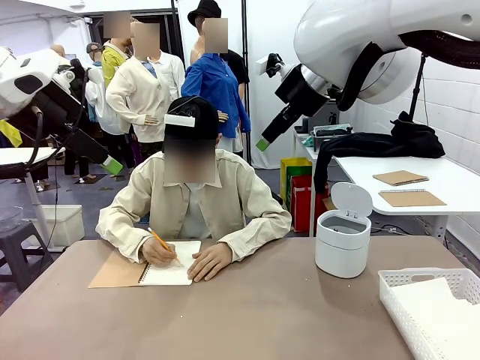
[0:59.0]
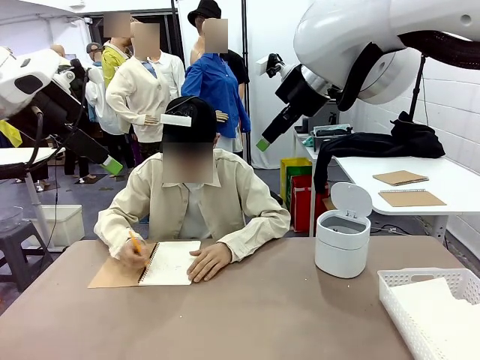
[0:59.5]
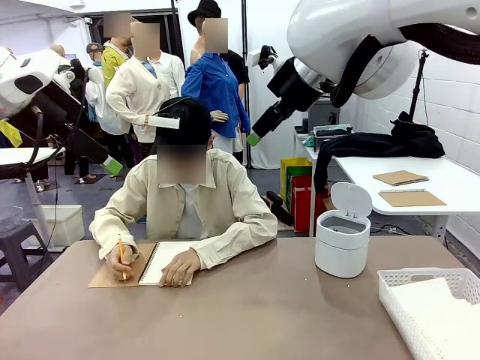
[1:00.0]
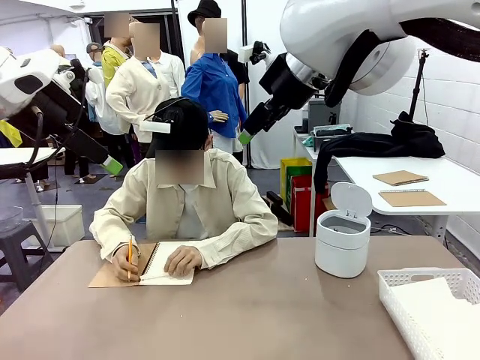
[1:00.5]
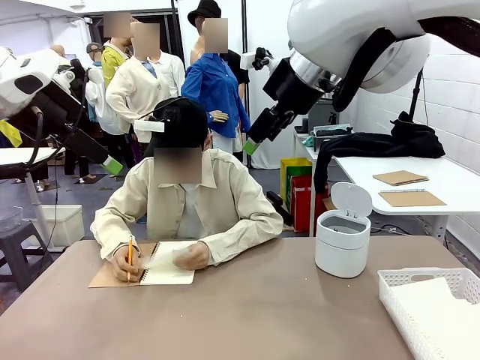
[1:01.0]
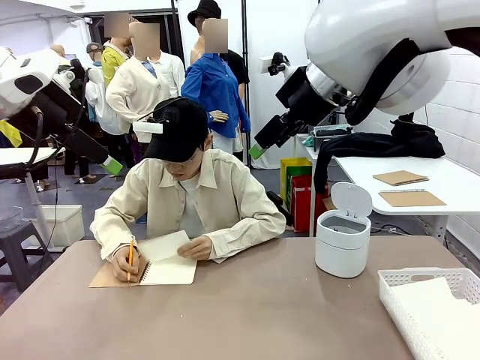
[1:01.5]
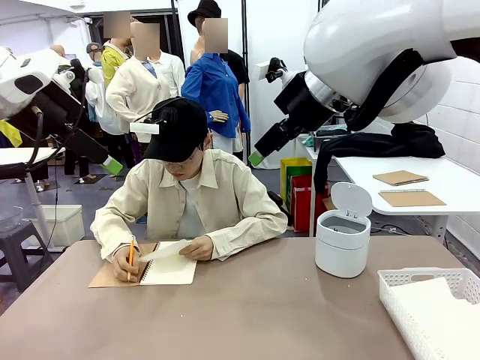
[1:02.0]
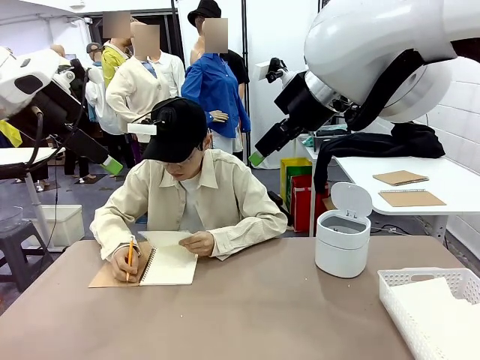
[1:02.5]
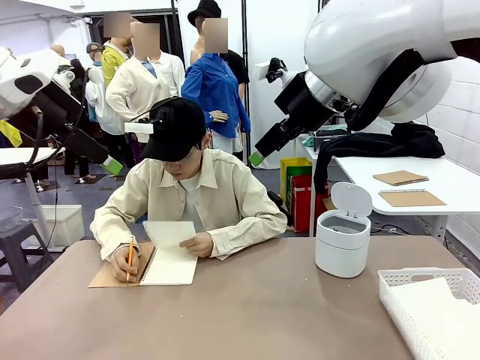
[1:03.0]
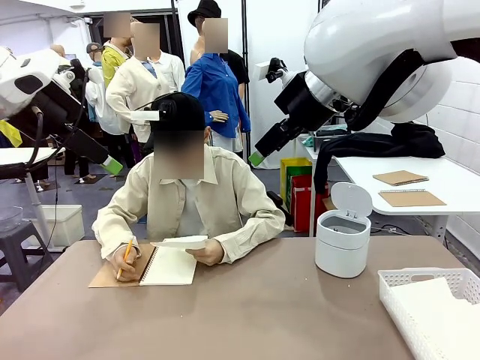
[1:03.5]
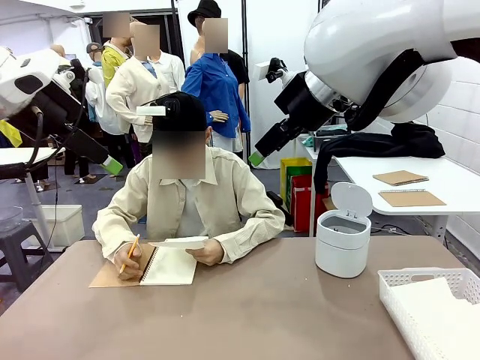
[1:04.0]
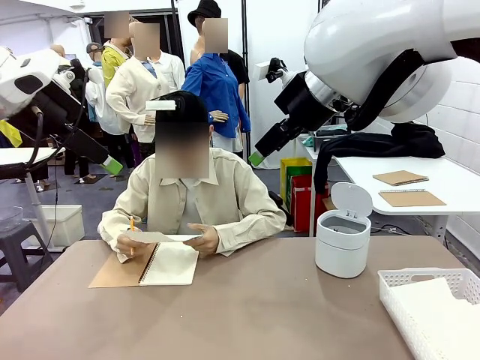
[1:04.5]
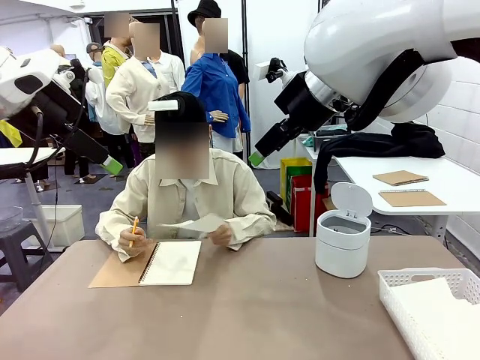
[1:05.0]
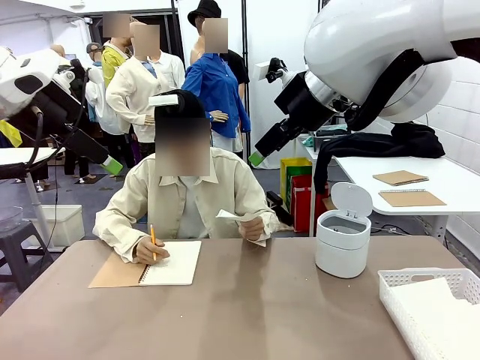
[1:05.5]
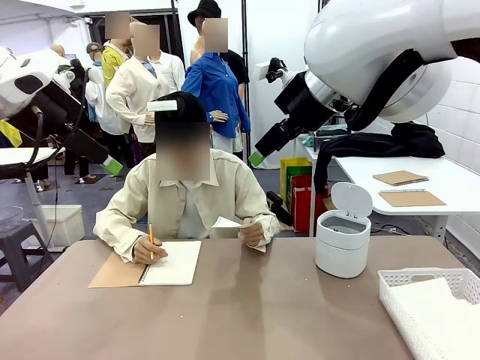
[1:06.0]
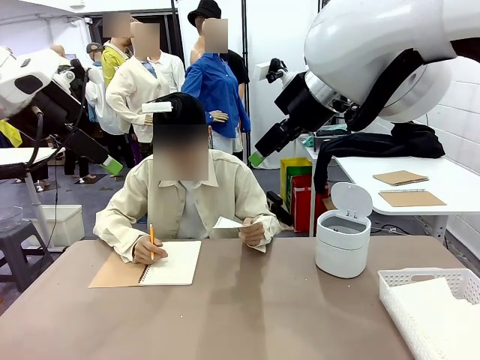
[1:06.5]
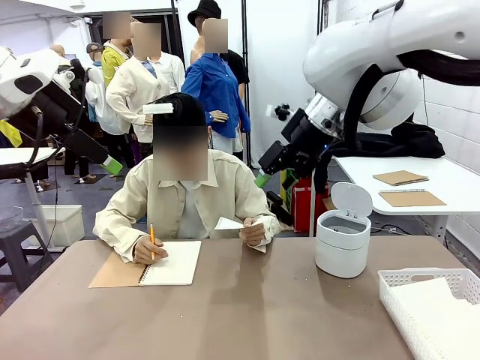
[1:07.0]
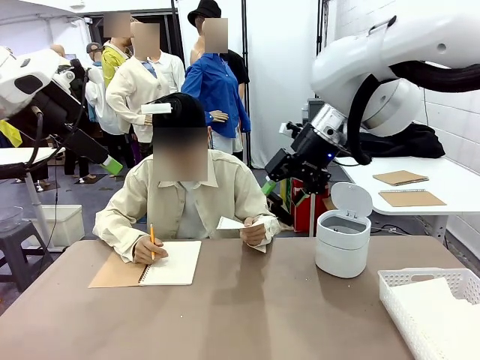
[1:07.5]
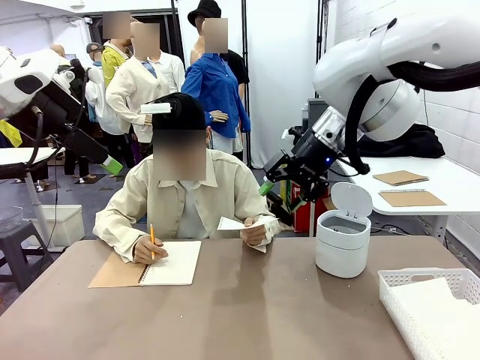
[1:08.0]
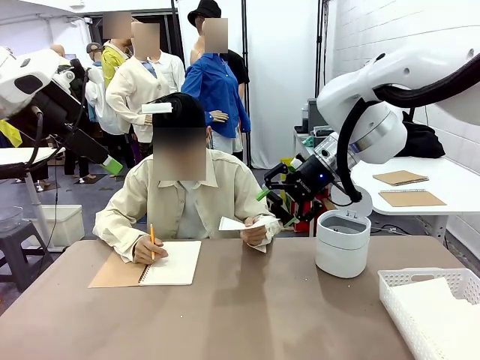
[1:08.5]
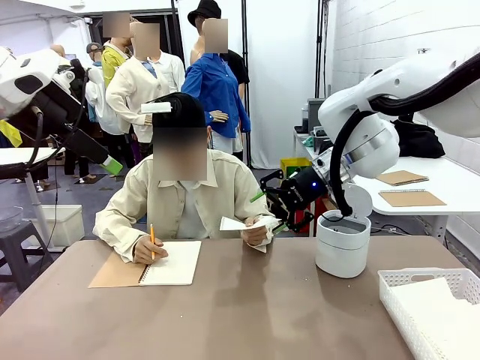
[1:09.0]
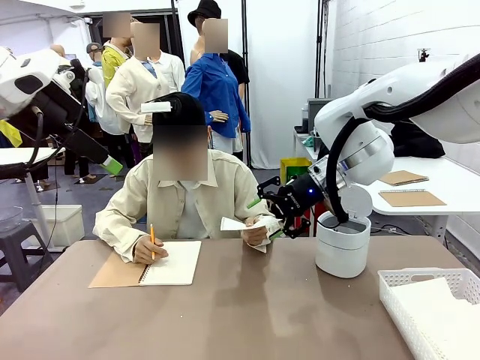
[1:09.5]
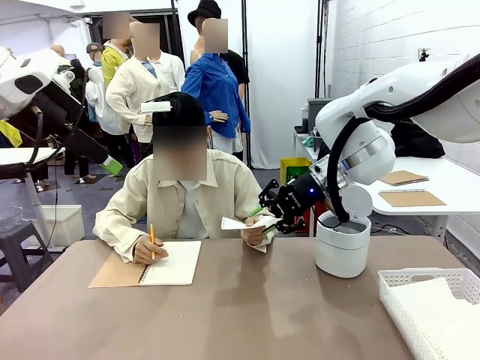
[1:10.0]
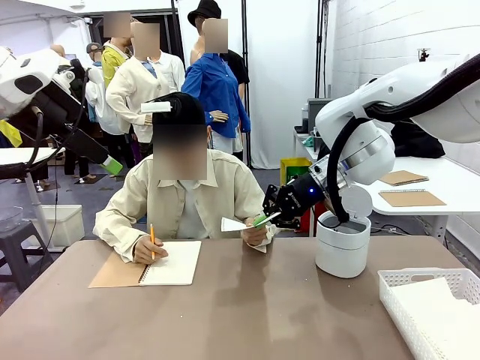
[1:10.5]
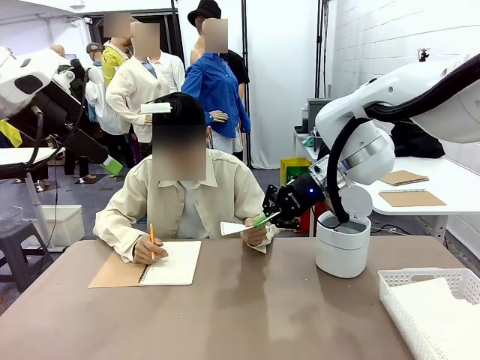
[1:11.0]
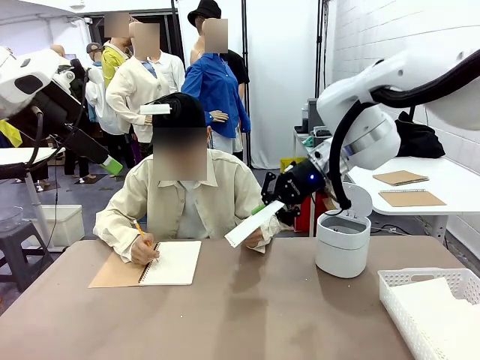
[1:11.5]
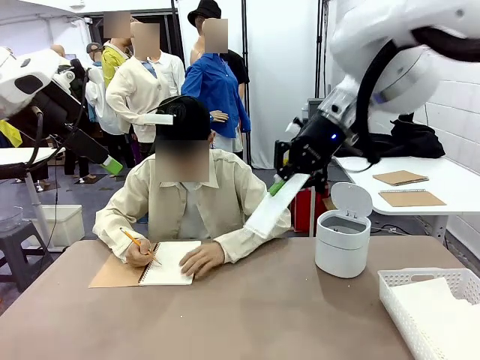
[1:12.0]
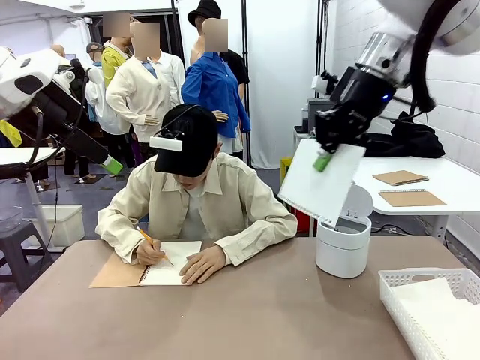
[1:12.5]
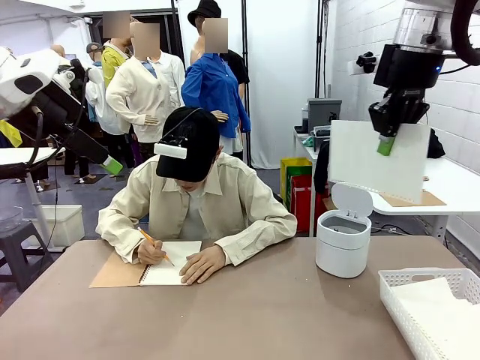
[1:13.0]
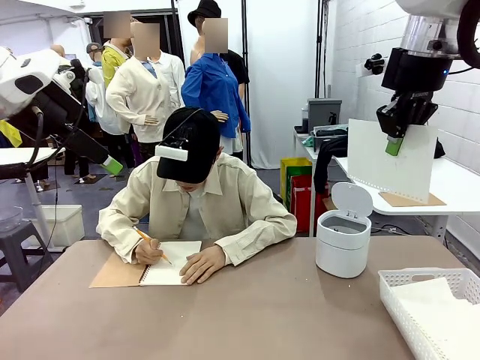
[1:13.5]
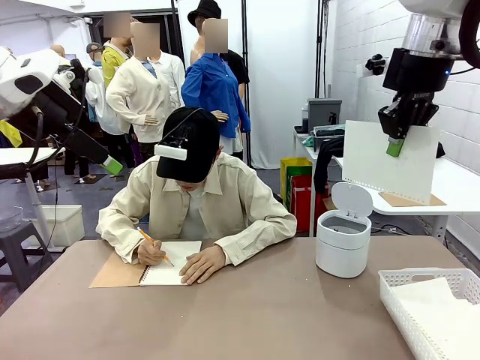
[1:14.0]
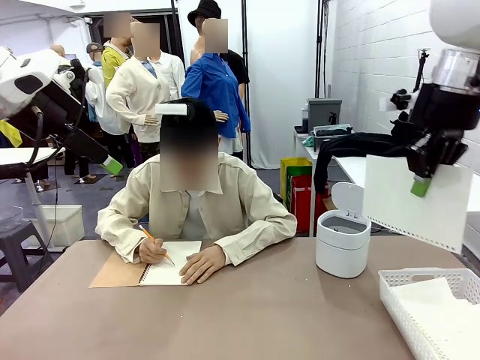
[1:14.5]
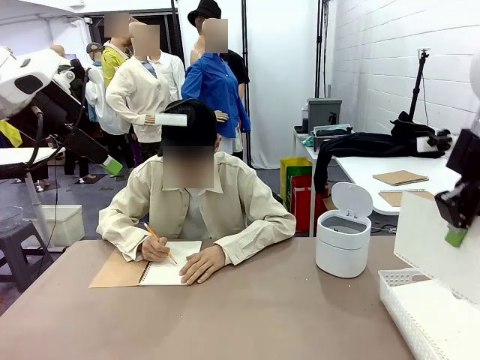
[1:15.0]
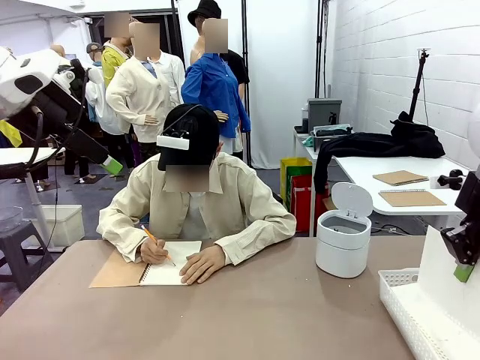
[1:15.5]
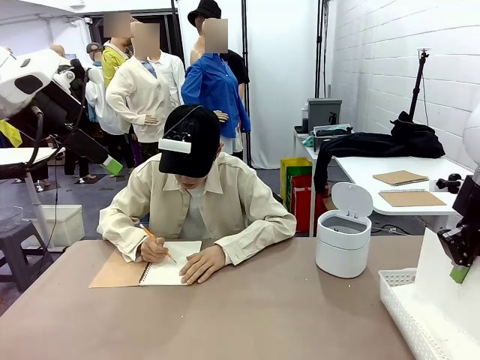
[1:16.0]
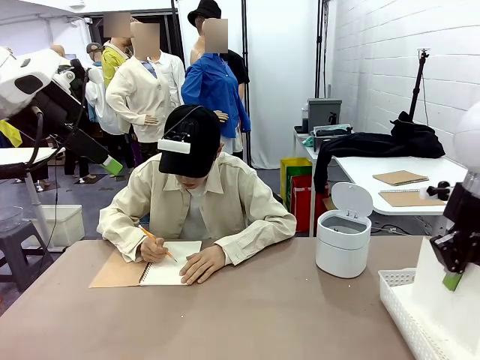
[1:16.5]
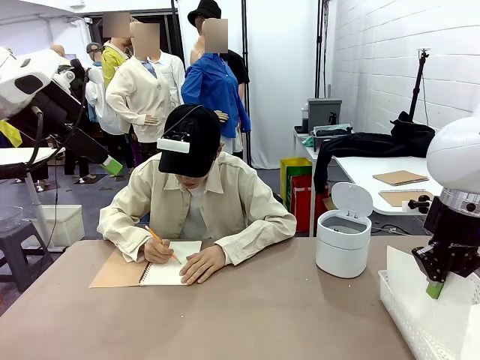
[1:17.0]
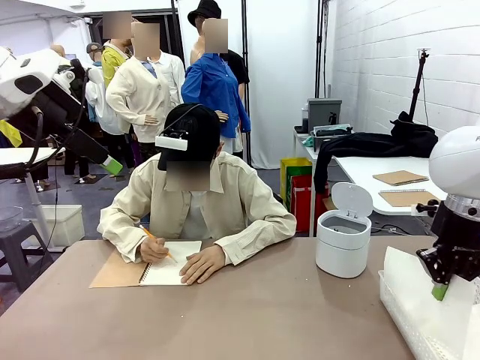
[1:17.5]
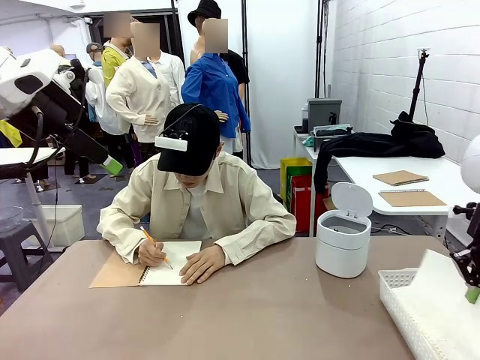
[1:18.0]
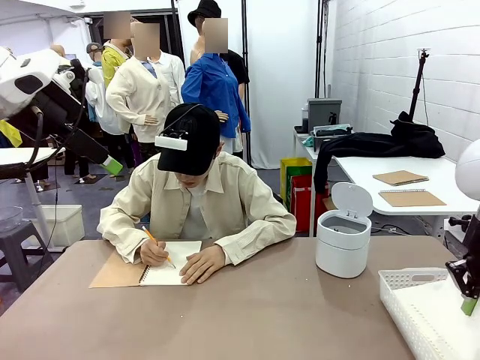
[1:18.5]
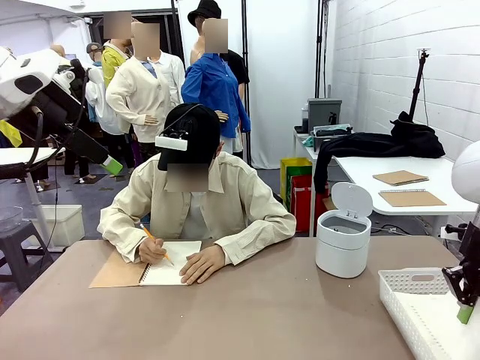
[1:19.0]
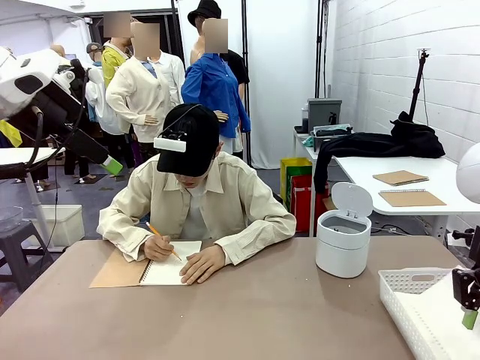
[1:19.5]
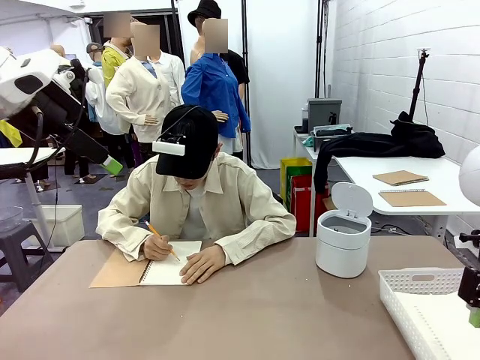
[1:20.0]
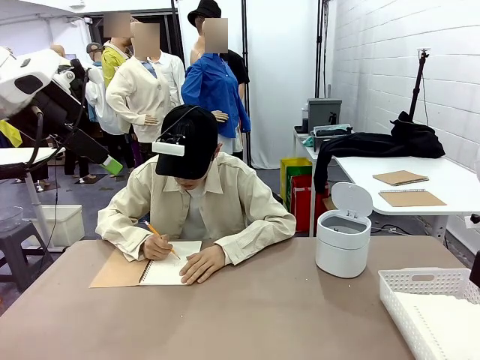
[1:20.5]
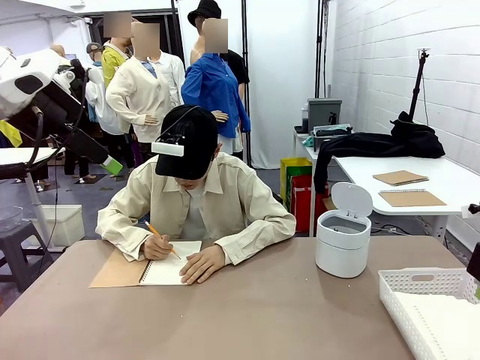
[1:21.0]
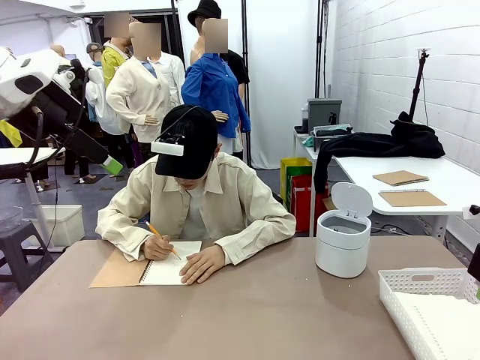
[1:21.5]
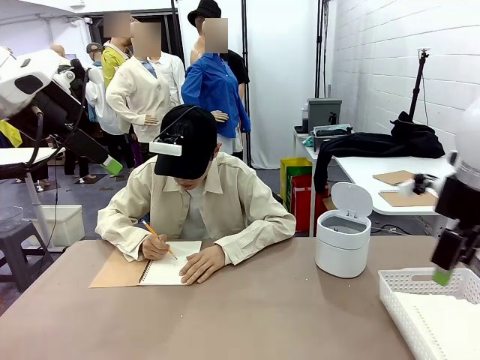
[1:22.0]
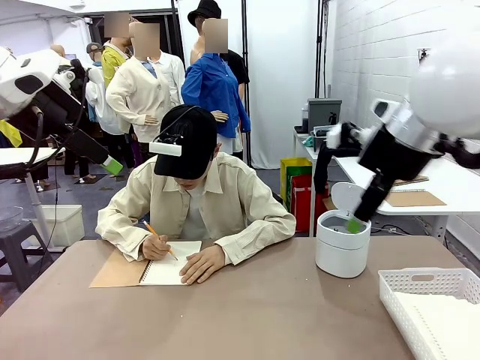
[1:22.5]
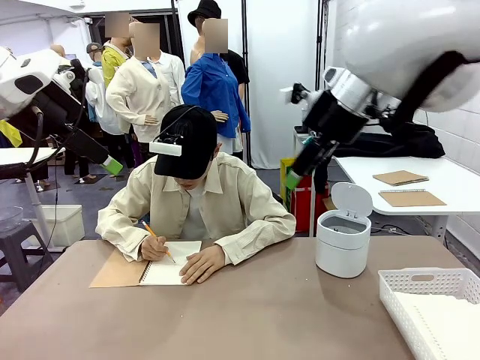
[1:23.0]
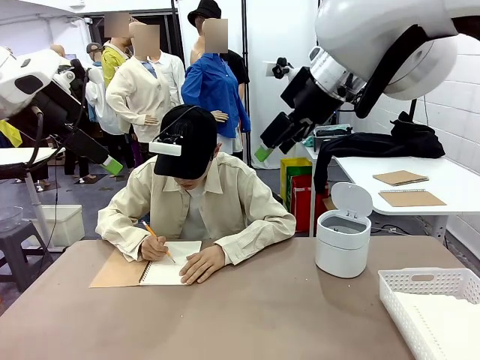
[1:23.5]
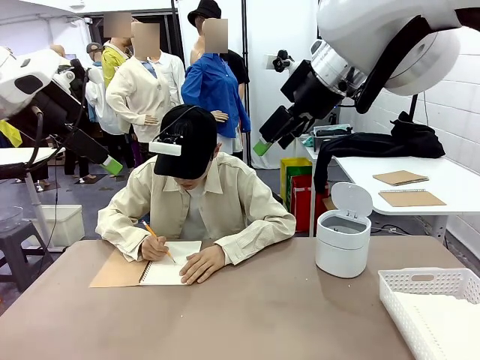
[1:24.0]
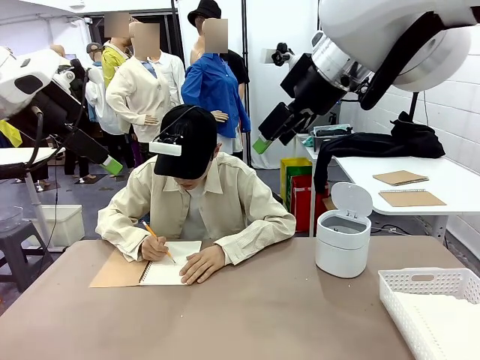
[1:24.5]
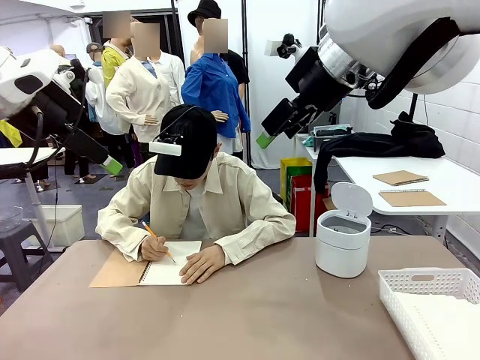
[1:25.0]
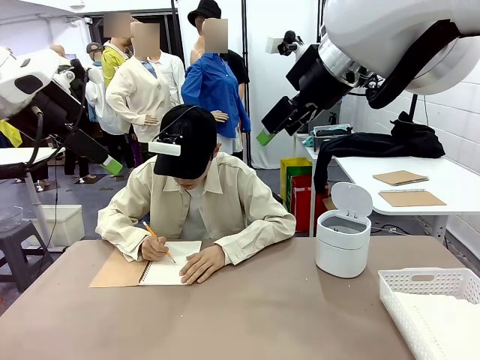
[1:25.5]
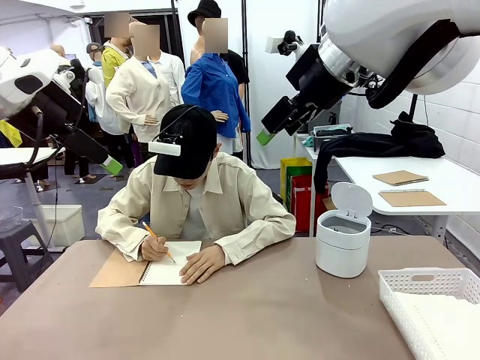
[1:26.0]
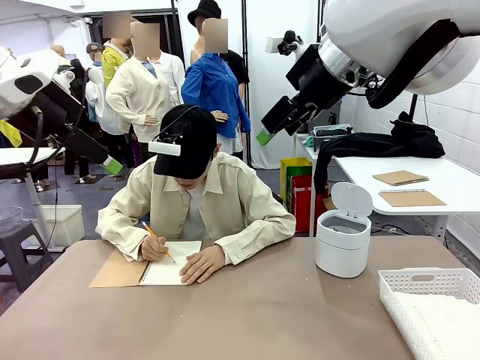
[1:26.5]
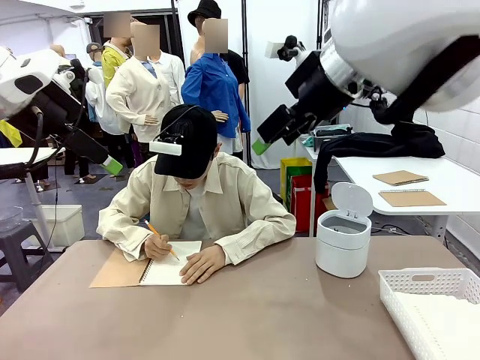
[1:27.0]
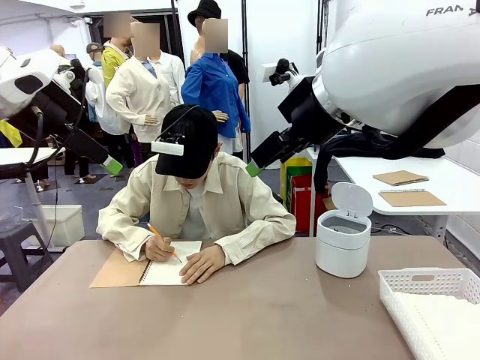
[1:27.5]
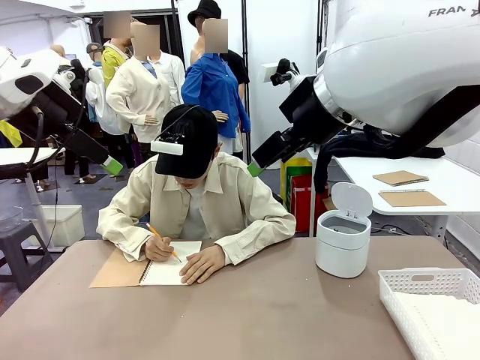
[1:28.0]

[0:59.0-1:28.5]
Task: Sort the paper based on its condition.
Robot: If a person hands you a paper, place it in the Organizing basket , and if it's crumpled, put it in the Trash can.
Person: Hand the torn page to the robot or crumple it and throw it to the center of the table.
